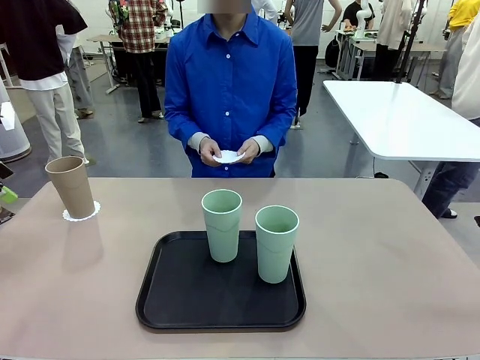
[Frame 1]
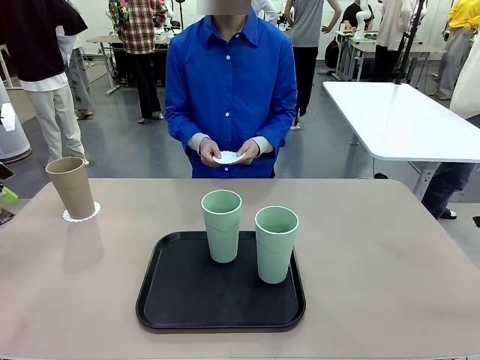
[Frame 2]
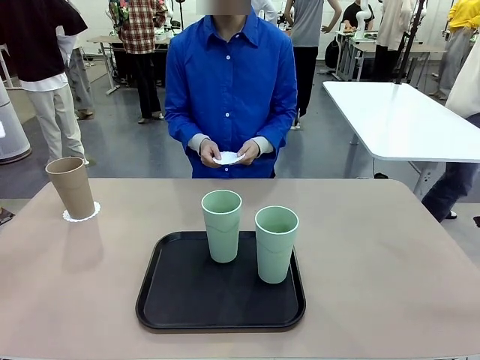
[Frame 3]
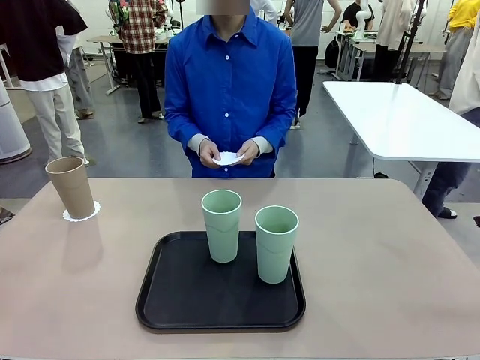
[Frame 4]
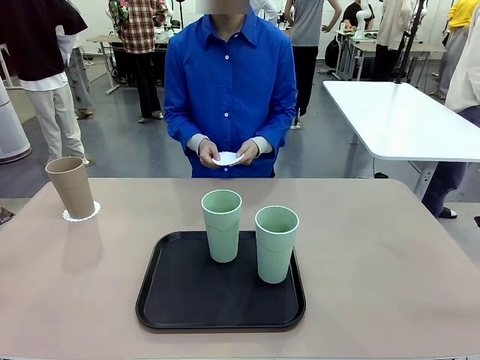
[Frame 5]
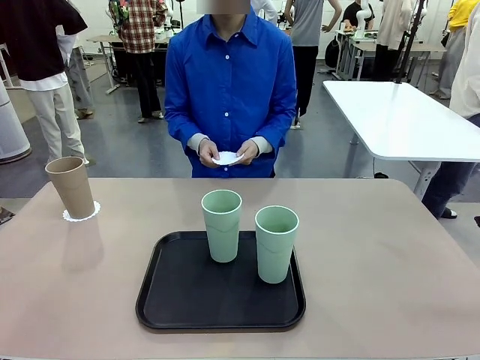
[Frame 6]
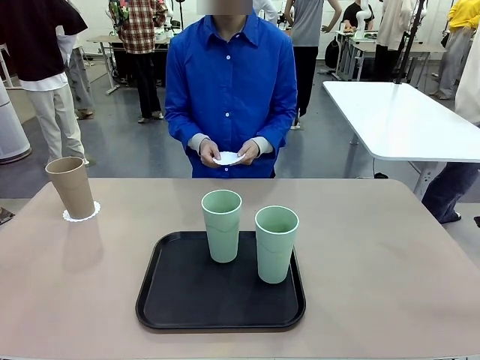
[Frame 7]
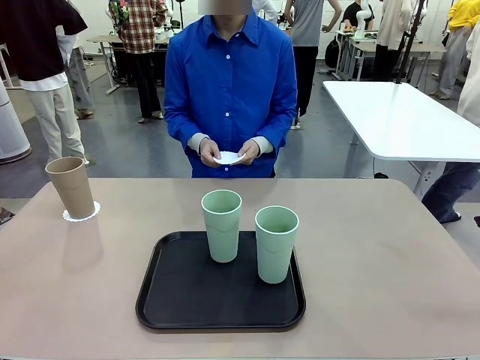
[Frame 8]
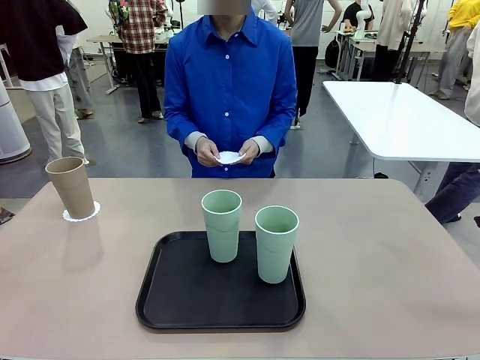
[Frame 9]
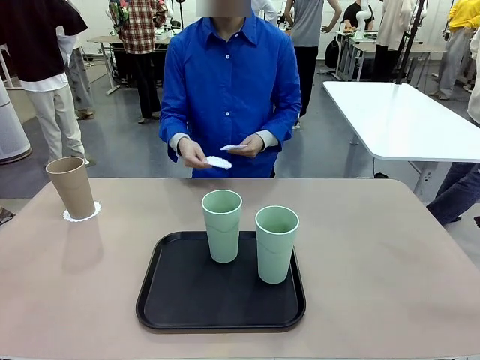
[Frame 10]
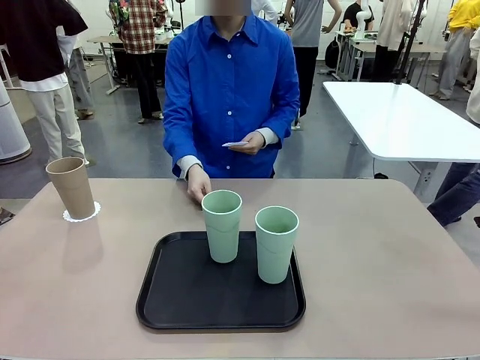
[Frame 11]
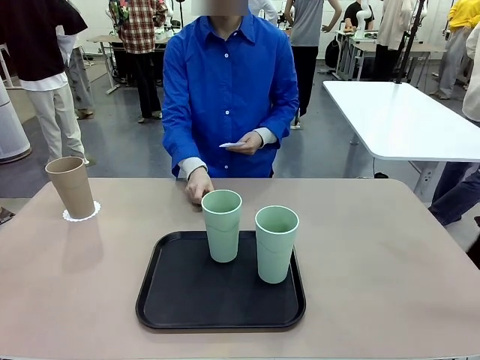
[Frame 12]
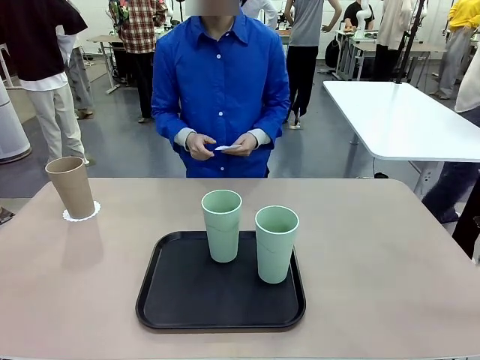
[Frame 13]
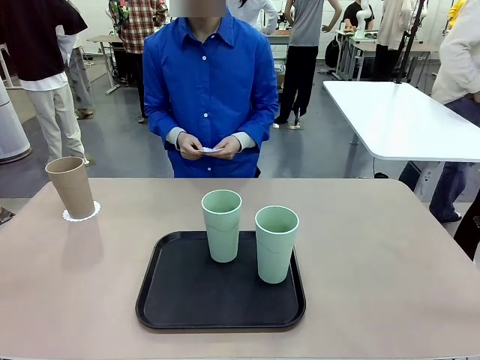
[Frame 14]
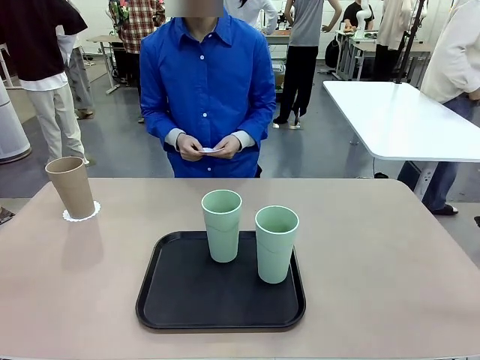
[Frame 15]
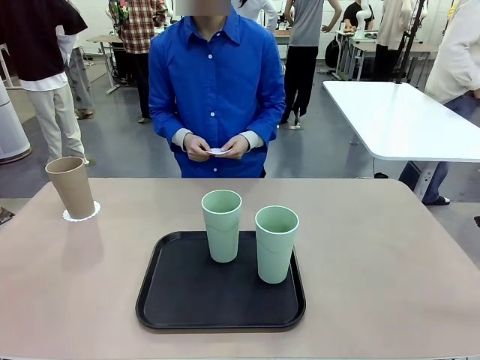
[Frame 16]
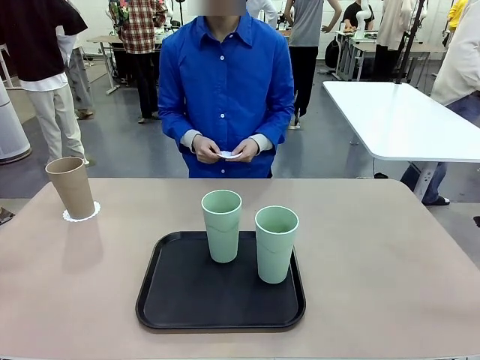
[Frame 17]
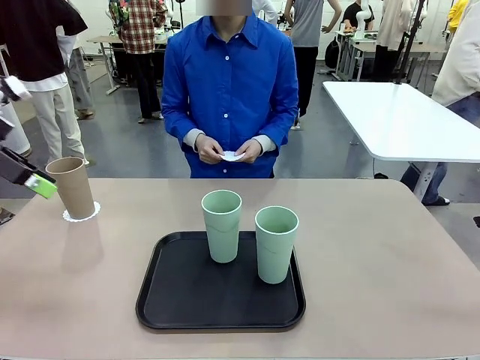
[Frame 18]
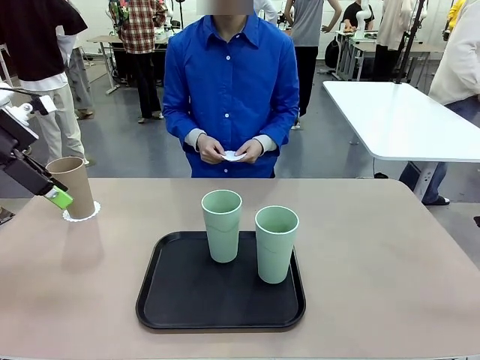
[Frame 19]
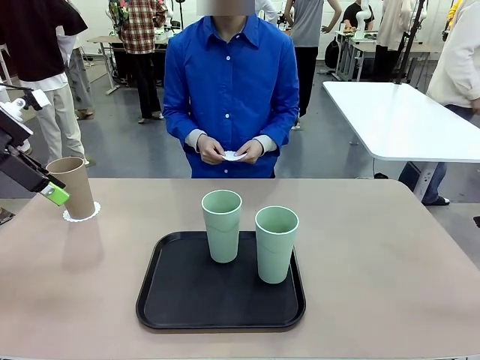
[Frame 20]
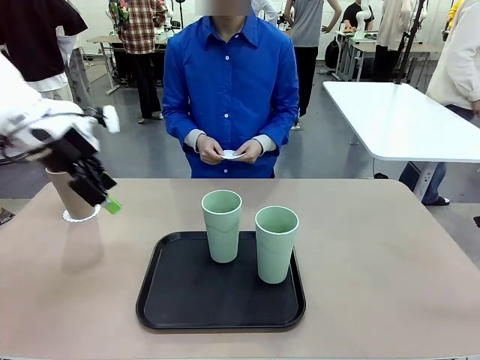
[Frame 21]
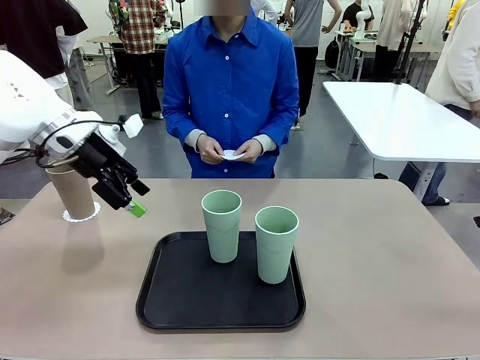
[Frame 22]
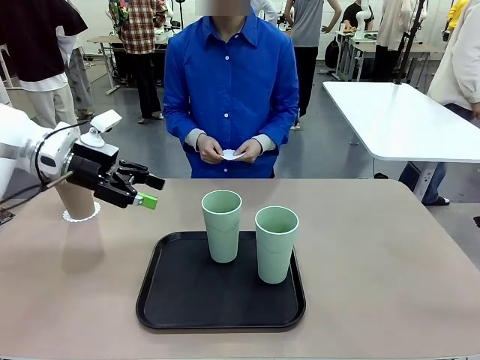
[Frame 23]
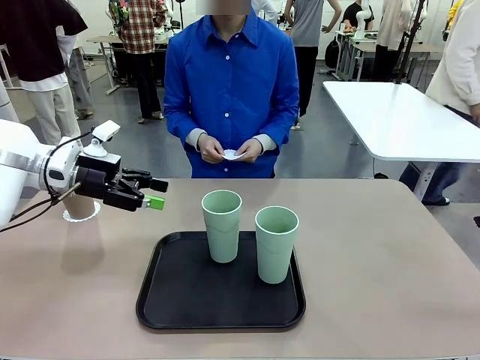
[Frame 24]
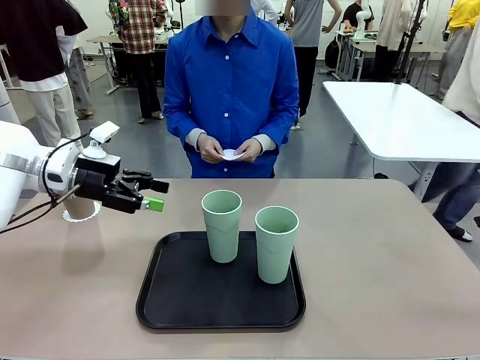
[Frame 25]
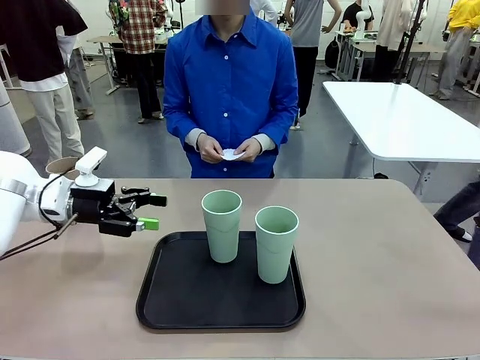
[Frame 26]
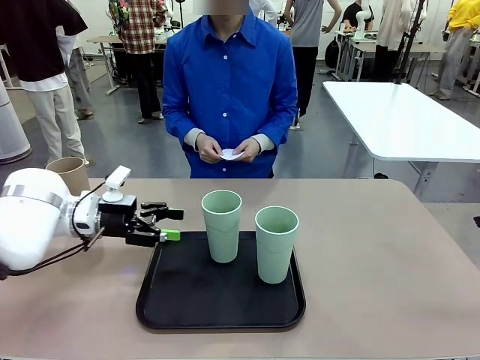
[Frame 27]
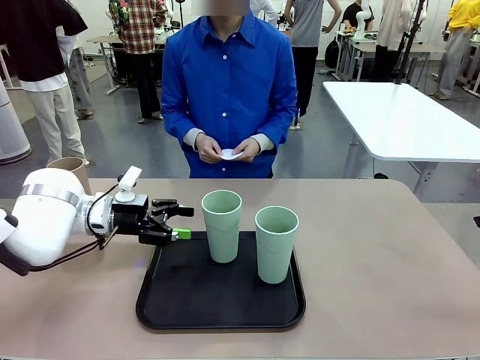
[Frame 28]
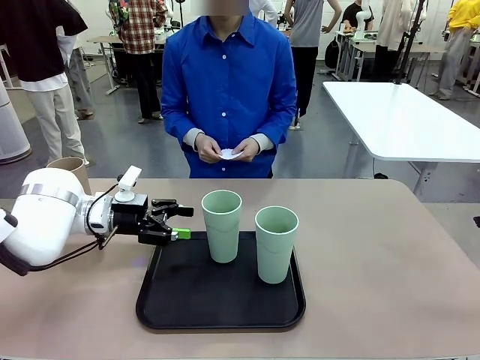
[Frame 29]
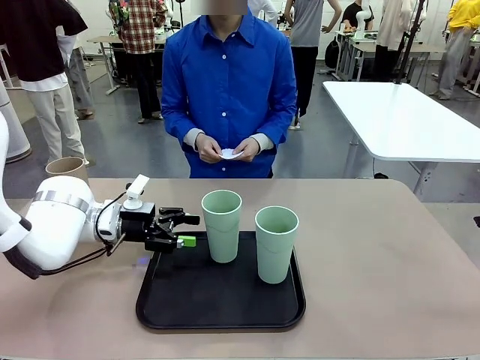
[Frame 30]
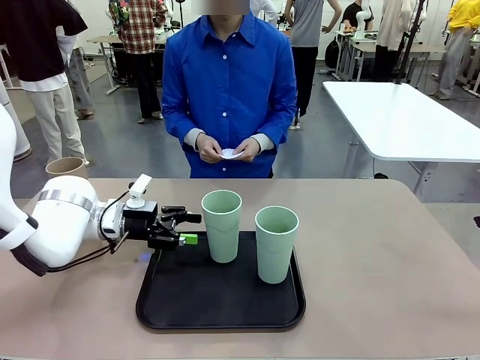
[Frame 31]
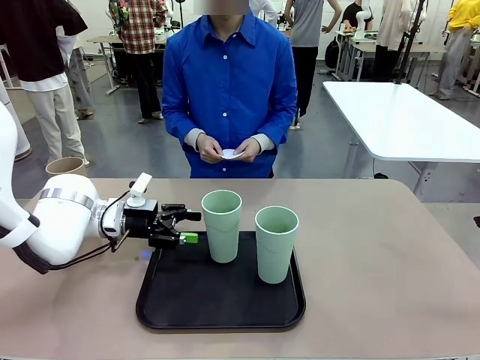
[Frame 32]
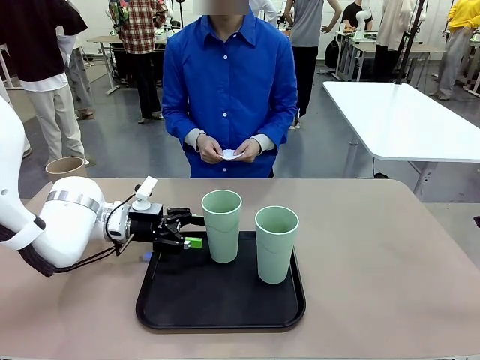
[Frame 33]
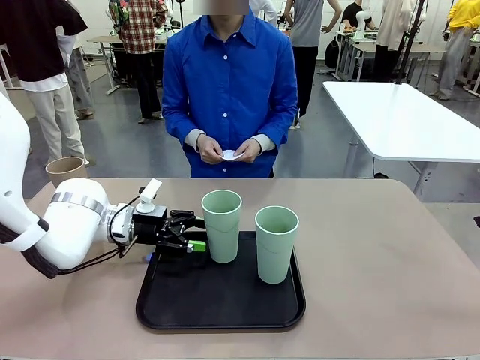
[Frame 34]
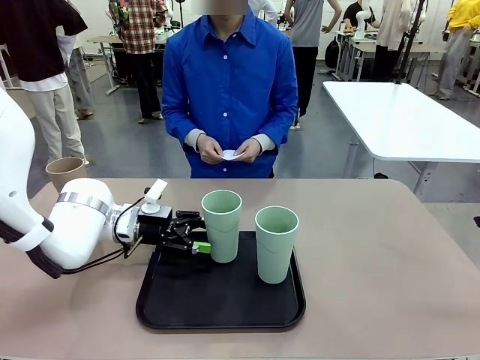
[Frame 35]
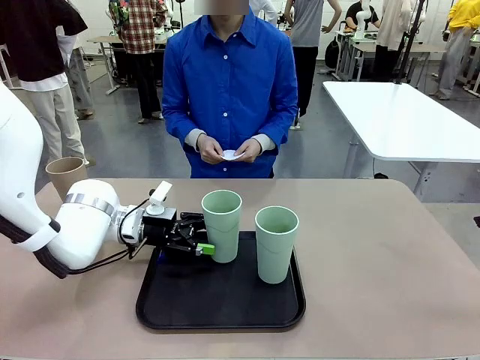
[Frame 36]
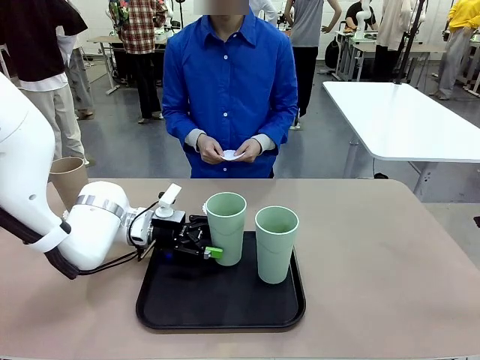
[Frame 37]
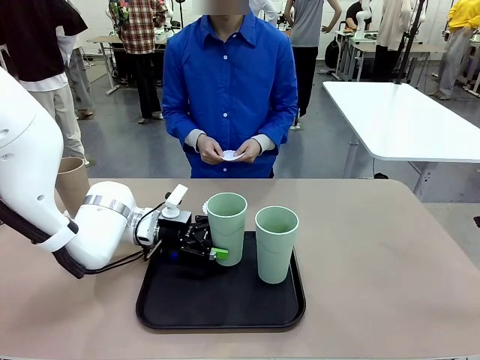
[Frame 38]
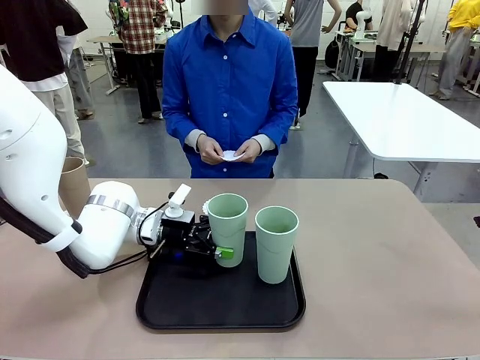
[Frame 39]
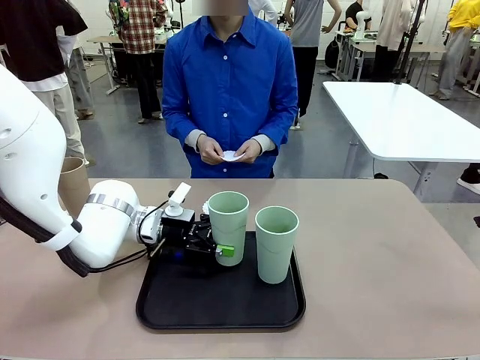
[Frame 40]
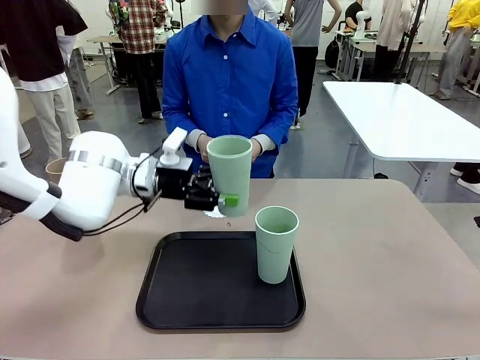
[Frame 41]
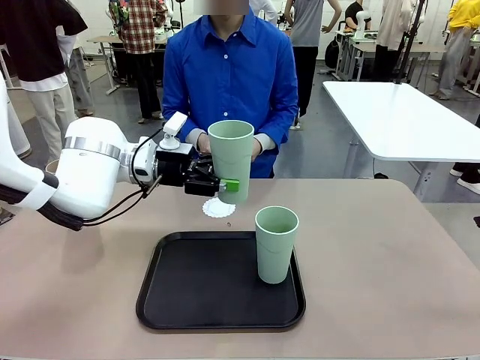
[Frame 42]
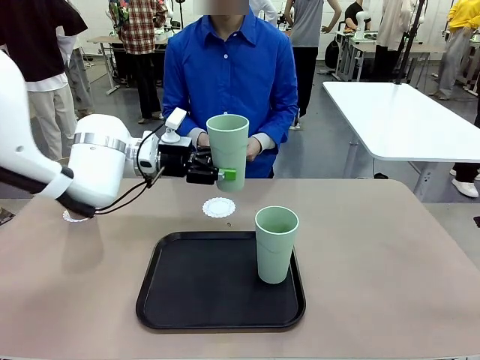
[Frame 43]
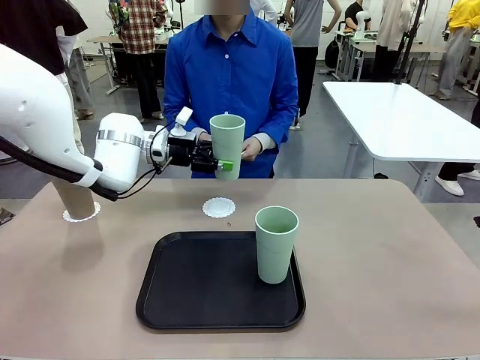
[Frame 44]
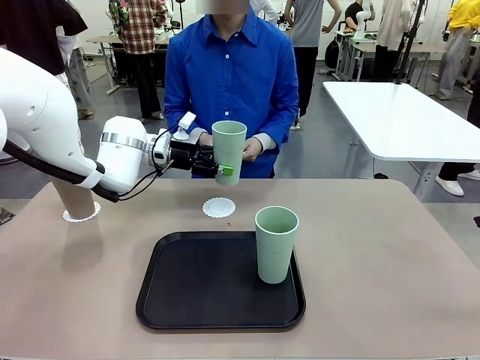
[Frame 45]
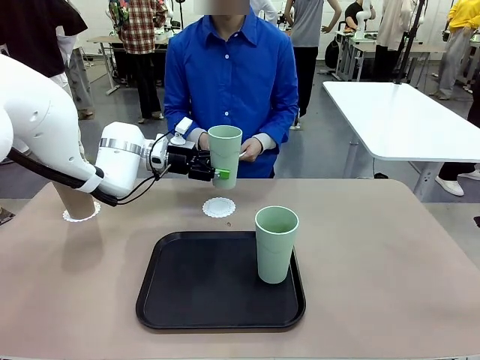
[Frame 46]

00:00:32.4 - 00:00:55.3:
Task: Place coasters on the table and set cups on them.
Robot: Take one Reusable plastic cup from the Flat Tray and place it on a coaster set by the human.
